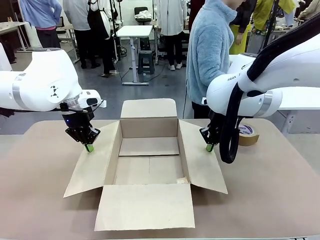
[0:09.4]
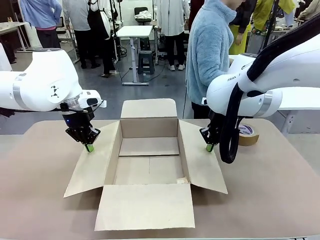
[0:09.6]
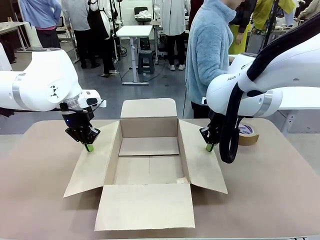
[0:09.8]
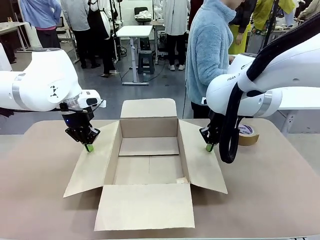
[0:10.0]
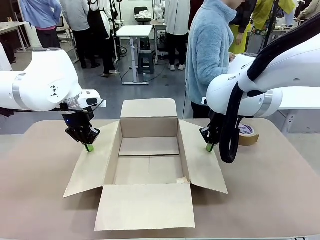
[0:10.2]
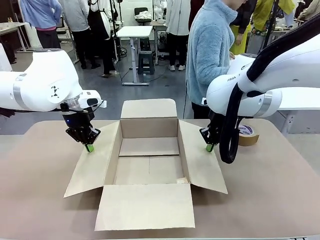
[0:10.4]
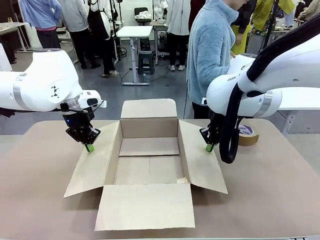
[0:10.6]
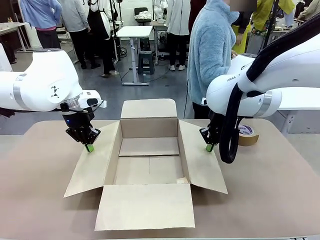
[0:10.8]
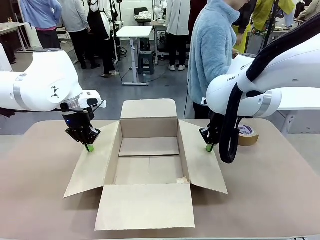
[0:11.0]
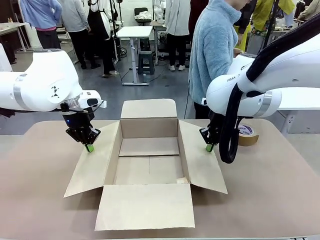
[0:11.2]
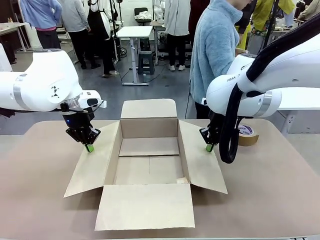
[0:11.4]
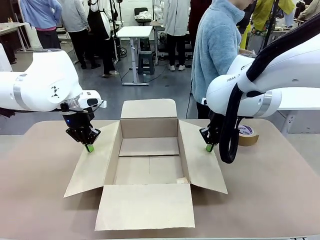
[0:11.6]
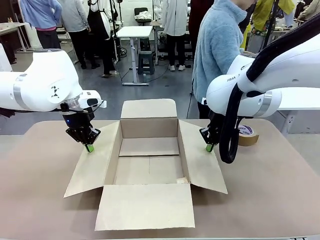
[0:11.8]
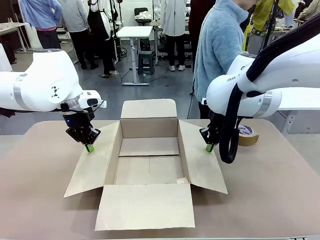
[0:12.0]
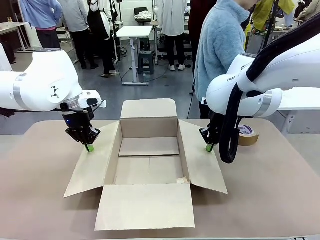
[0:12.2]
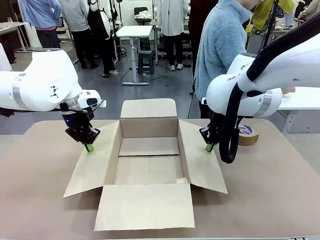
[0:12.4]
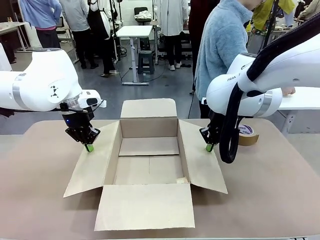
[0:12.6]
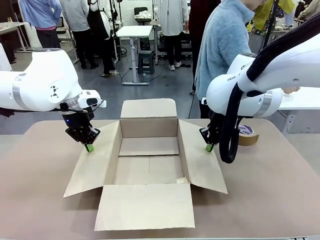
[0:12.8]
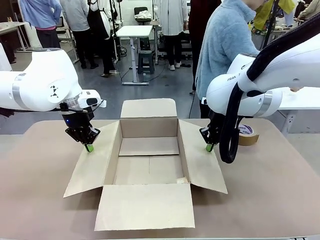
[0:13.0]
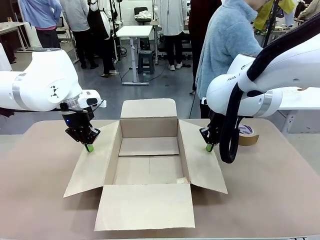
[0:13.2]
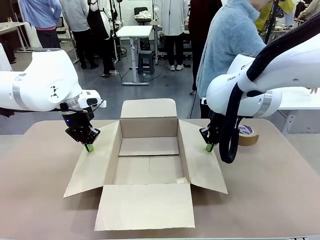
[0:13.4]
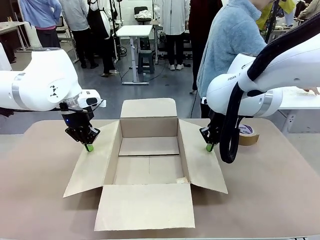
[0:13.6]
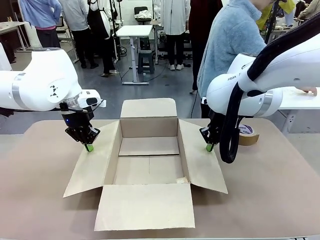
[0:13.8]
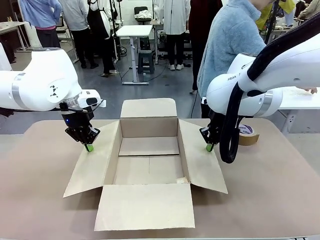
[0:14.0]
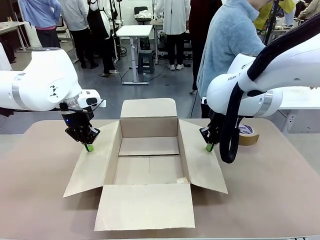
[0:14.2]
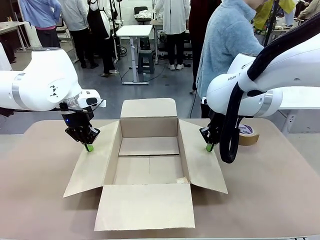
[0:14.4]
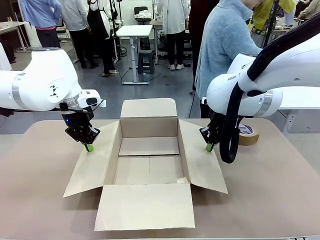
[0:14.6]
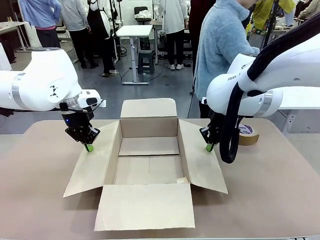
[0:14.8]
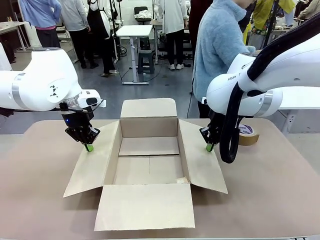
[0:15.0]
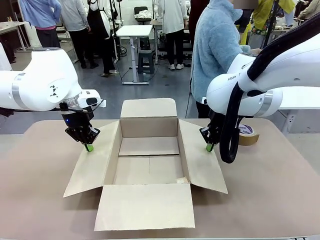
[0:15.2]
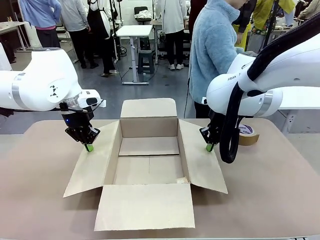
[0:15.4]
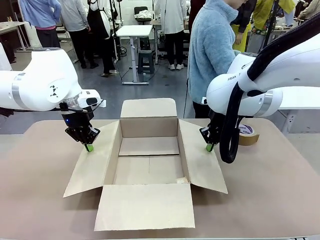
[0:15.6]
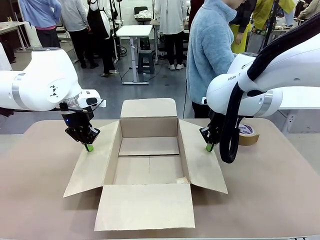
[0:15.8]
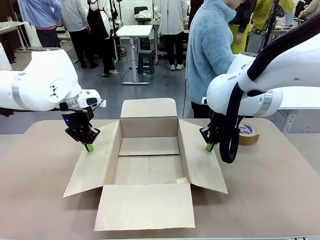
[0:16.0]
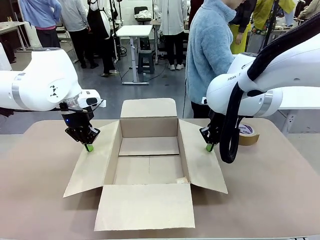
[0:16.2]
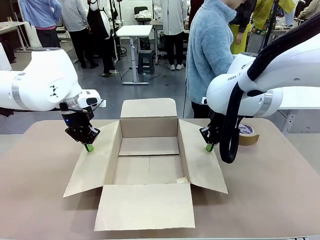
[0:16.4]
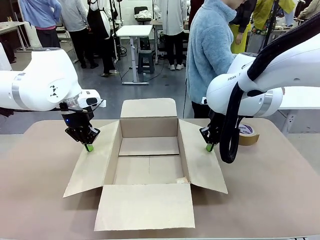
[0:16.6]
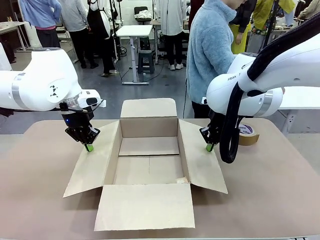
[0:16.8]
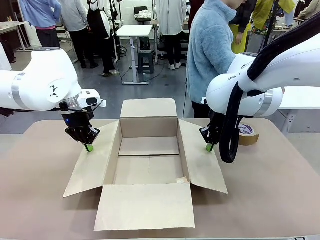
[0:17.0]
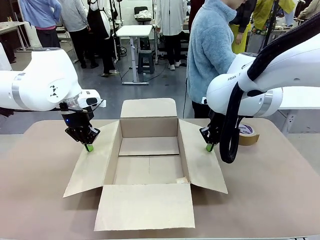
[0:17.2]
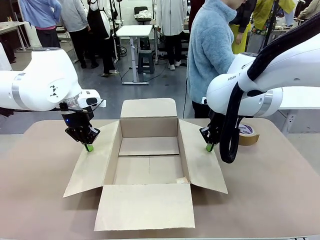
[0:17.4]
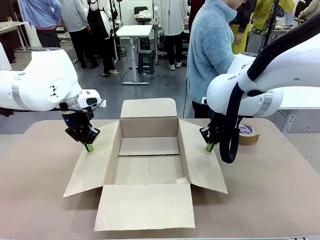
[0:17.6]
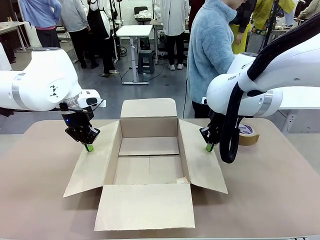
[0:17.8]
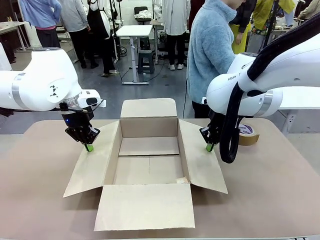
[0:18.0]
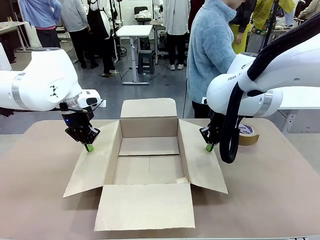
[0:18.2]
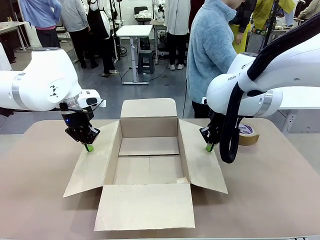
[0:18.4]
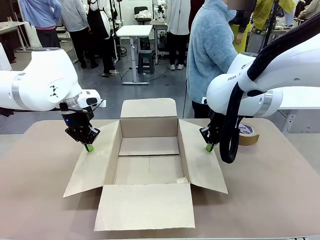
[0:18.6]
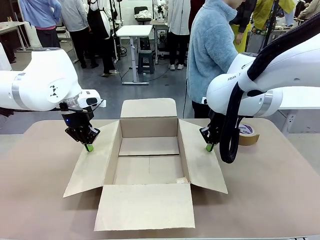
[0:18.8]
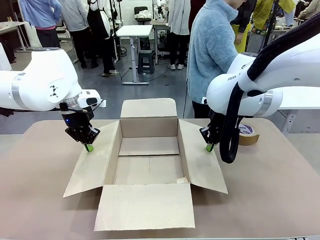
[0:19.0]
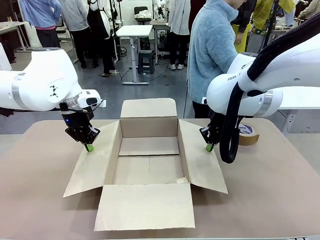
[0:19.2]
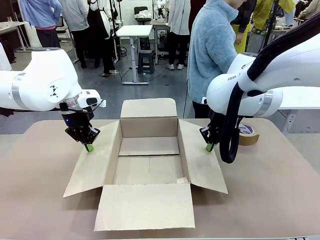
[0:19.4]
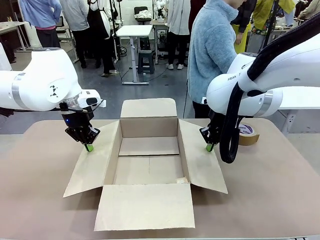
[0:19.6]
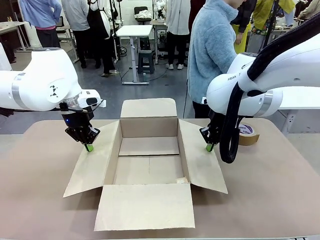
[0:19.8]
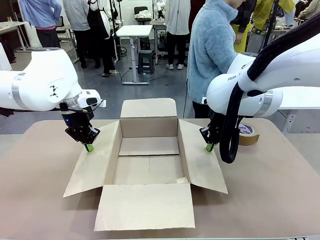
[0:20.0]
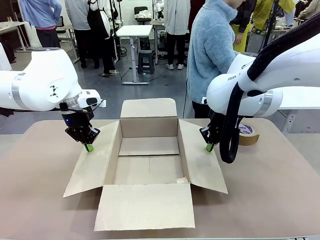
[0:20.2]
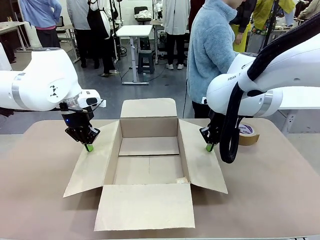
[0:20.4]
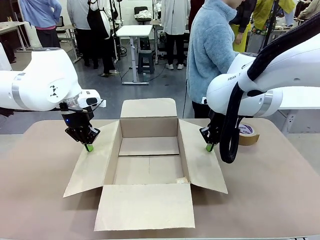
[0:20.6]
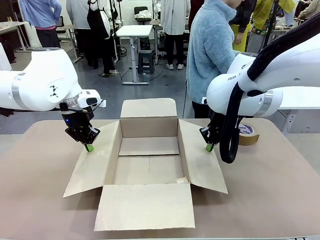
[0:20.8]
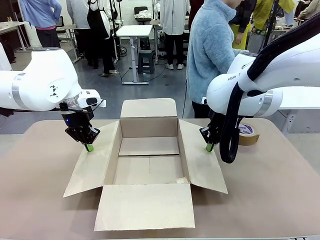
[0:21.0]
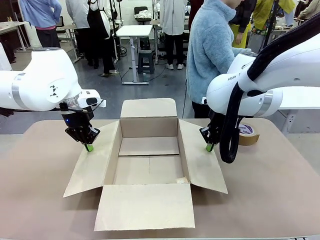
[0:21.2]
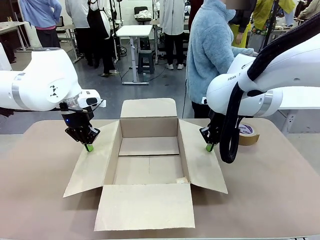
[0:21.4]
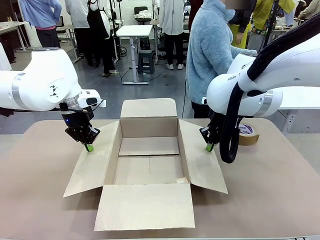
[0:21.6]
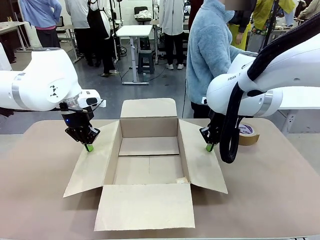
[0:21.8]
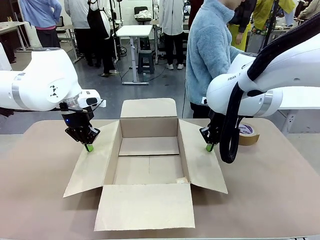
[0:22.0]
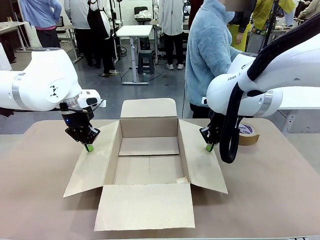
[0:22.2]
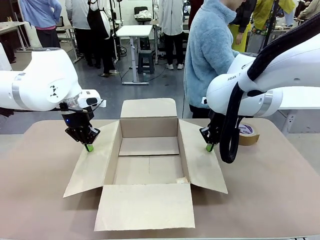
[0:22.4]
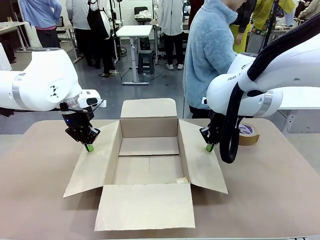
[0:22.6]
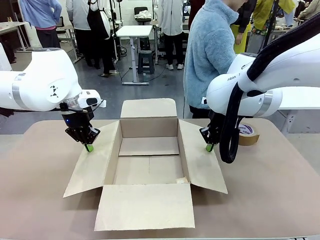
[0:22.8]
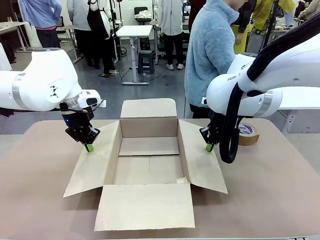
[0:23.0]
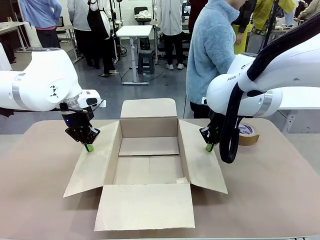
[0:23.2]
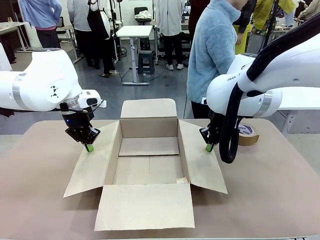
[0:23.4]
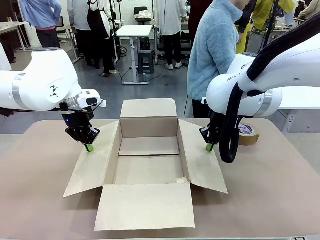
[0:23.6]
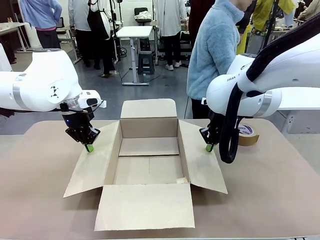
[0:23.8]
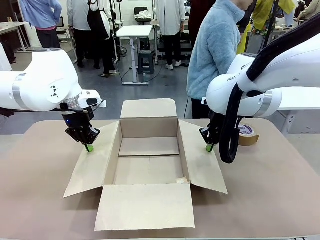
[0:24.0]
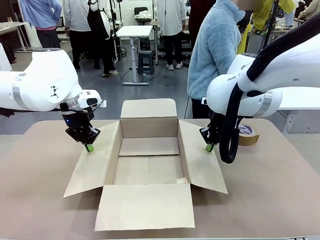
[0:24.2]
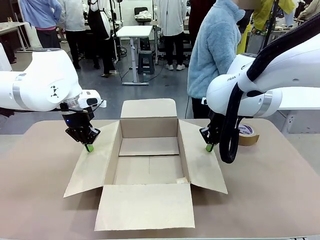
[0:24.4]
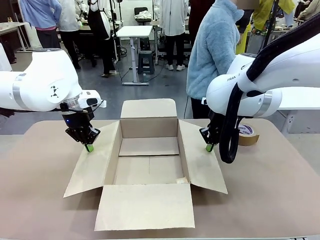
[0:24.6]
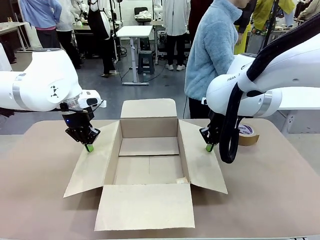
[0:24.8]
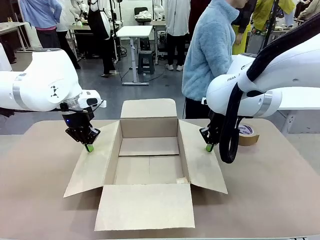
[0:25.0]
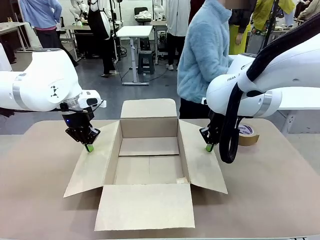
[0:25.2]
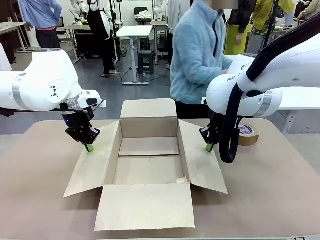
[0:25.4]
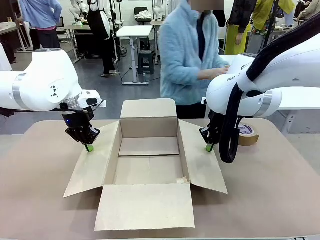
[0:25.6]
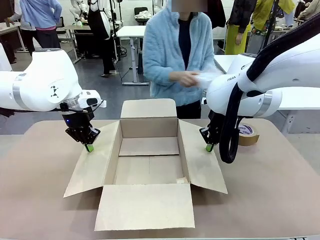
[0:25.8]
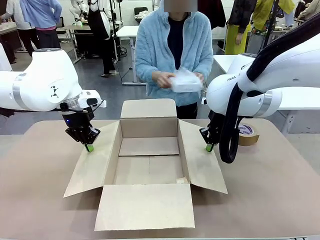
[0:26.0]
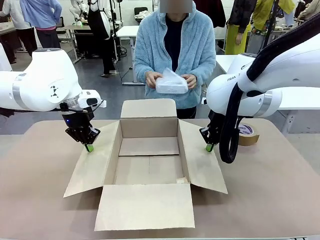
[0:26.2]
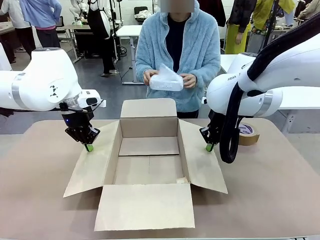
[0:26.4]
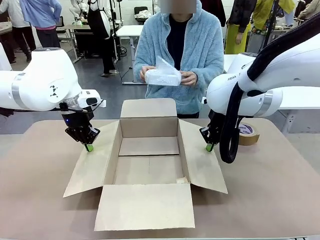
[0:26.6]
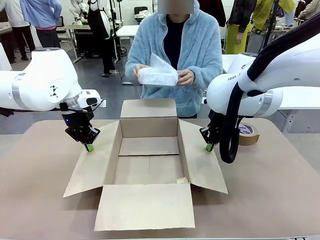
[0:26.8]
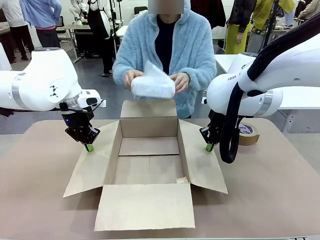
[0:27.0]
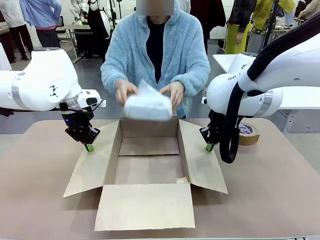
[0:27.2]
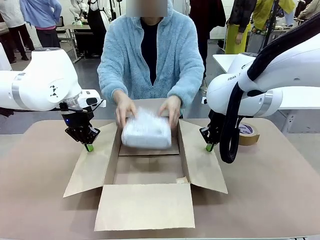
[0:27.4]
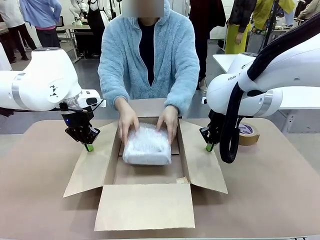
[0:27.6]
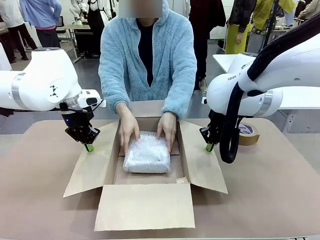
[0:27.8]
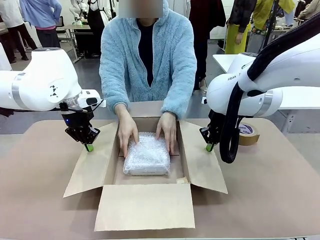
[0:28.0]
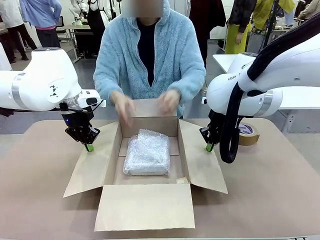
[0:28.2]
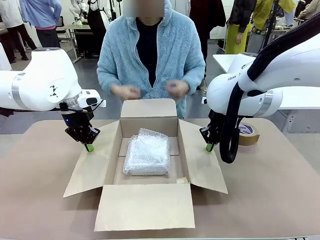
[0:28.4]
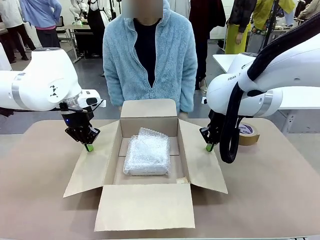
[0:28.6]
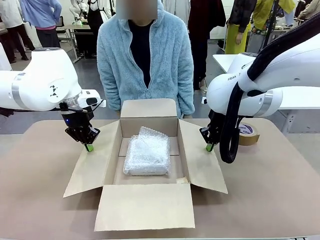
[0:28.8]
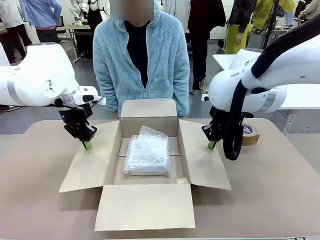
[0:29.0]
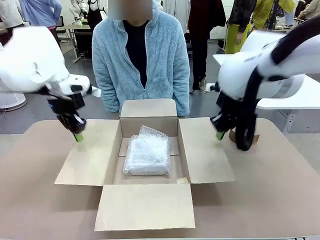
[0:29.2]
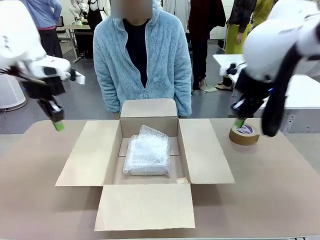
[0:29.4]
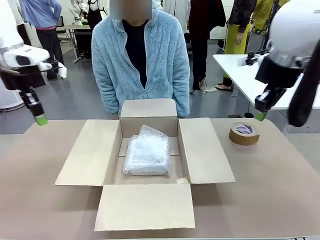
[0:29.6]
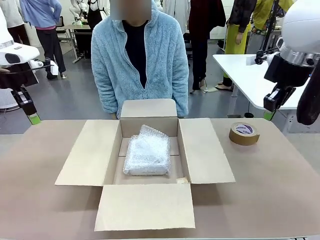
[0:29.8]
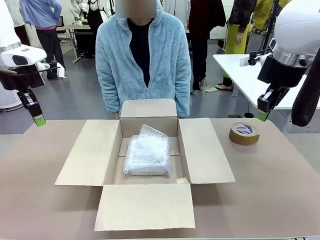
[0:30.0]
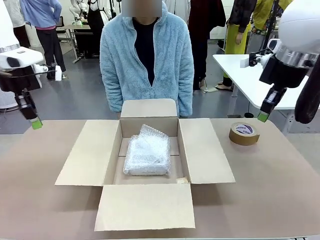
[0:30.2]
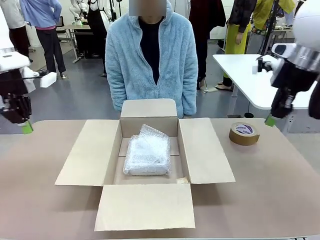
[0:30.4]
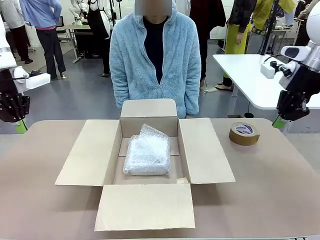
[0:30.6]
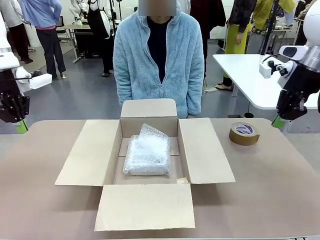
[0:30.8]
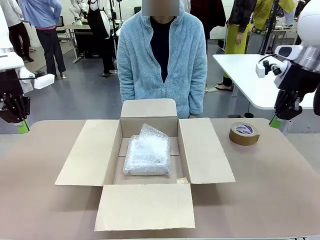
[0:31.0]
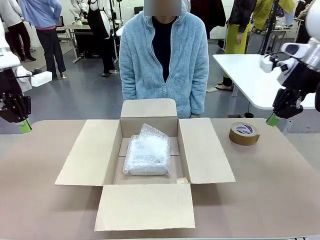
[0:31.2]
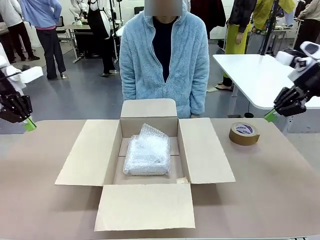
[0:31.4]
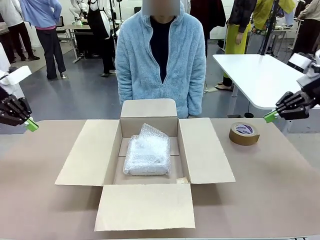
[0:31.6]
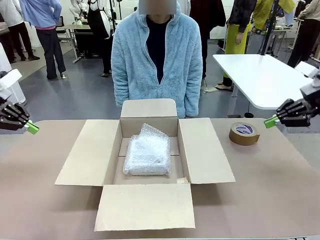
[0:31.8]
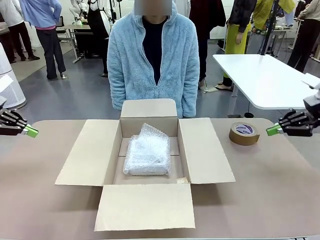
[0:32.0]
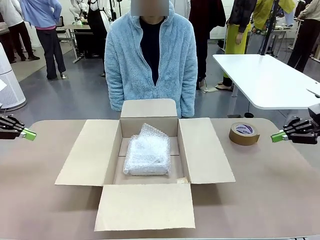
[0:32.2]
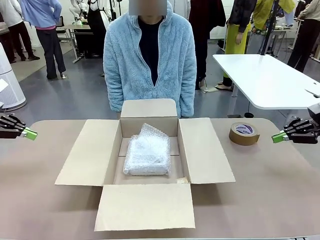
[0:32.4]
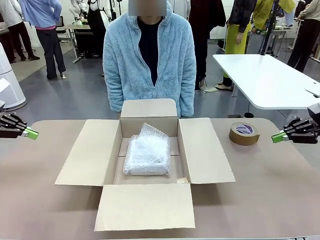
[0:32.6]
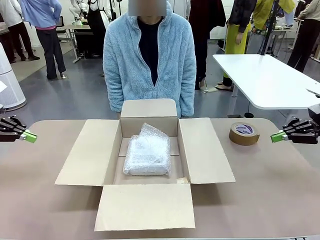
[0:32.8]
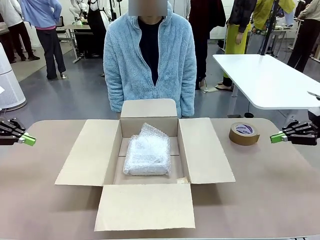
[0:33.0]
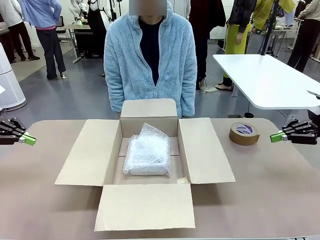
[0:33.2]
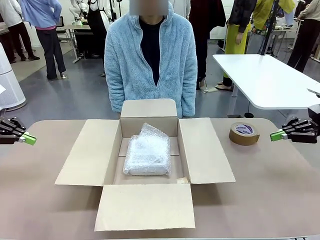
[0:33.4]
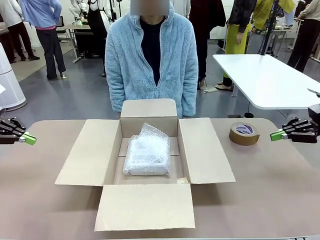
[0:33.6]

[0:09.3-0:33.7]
Task: Wrap the clocks to prevent damage.
Robot: Once the human has placed the objects inside and stepped back, release both hands from the side flaps of the Package Box.
Person: Wrap the two Digital clocks with Bubble Wrap. Place the wrapped Digital clocks inside the Package Box.
